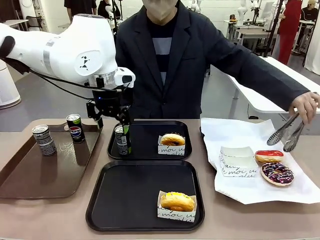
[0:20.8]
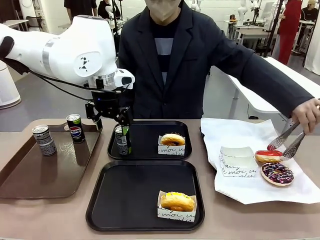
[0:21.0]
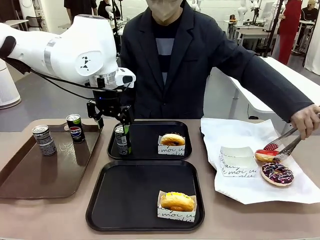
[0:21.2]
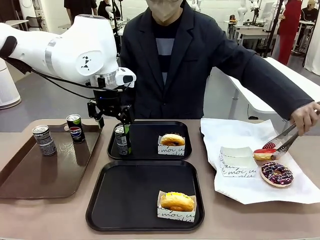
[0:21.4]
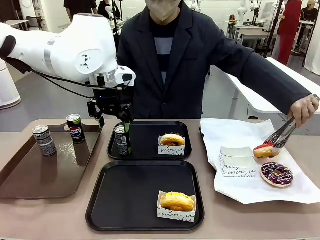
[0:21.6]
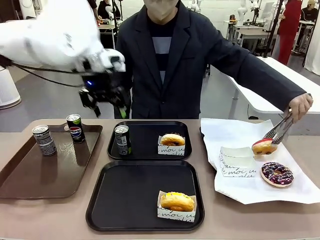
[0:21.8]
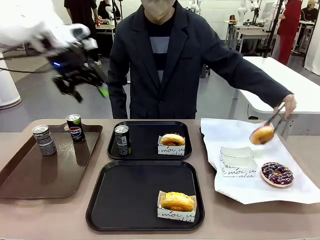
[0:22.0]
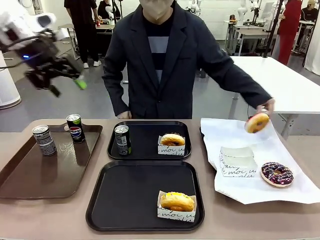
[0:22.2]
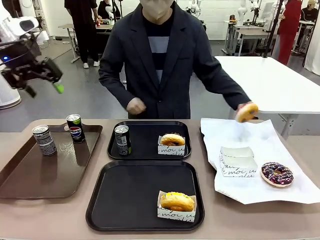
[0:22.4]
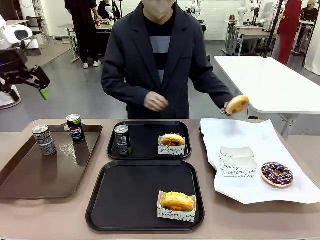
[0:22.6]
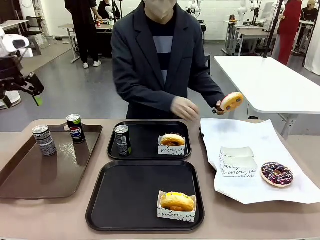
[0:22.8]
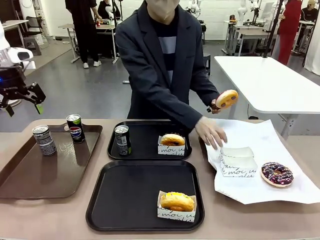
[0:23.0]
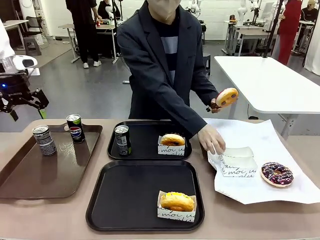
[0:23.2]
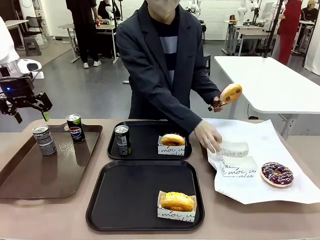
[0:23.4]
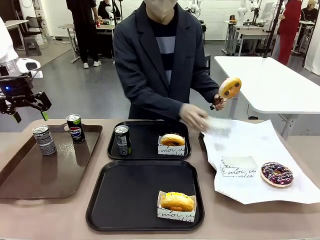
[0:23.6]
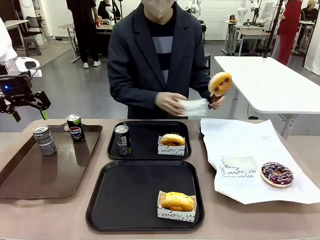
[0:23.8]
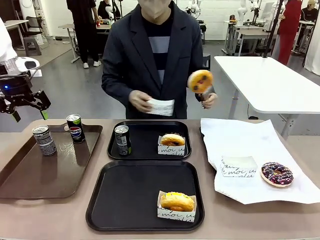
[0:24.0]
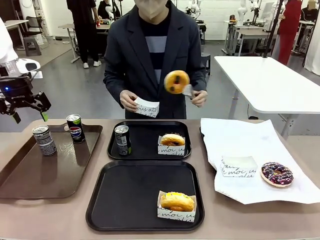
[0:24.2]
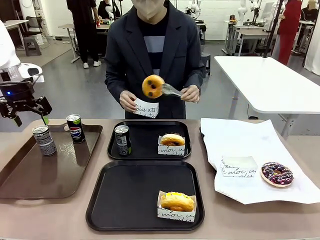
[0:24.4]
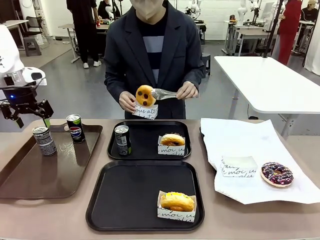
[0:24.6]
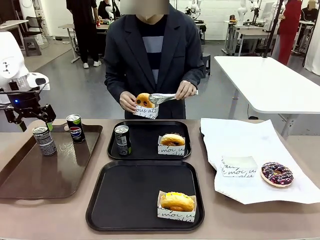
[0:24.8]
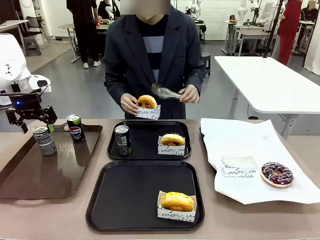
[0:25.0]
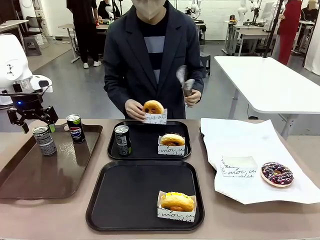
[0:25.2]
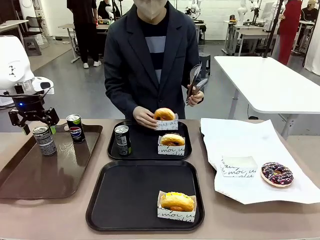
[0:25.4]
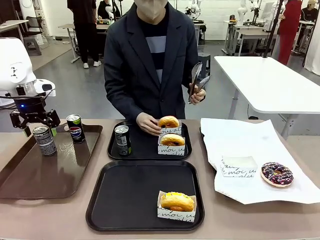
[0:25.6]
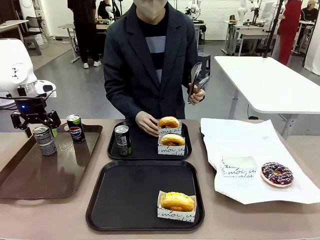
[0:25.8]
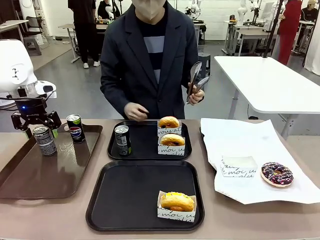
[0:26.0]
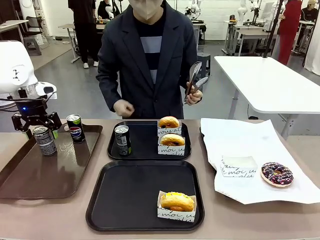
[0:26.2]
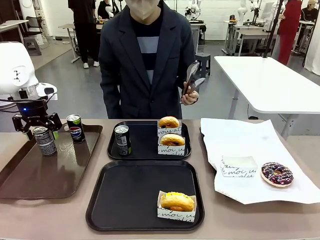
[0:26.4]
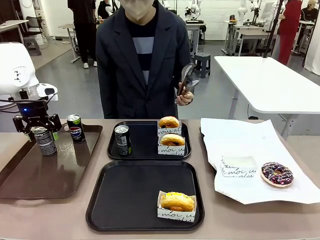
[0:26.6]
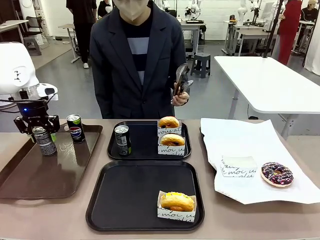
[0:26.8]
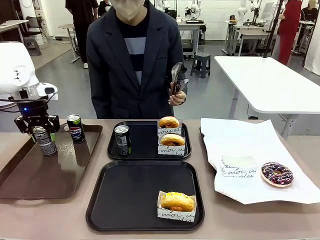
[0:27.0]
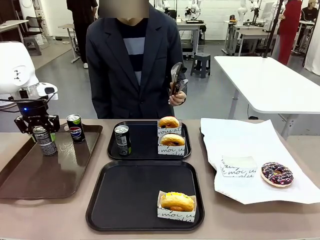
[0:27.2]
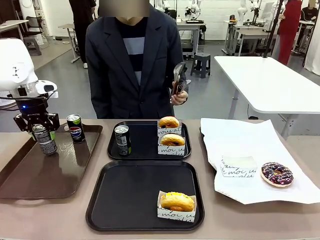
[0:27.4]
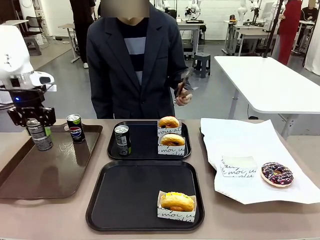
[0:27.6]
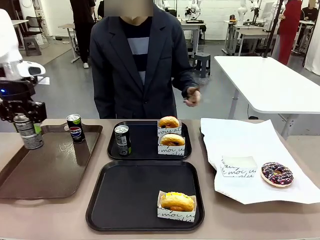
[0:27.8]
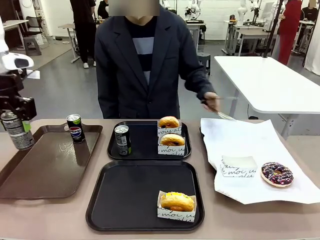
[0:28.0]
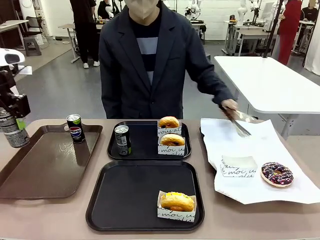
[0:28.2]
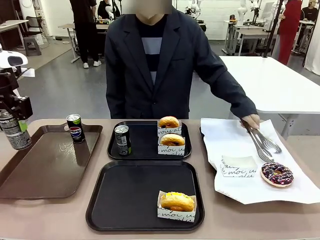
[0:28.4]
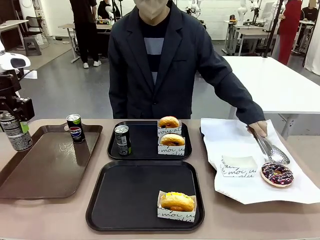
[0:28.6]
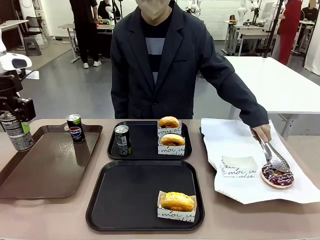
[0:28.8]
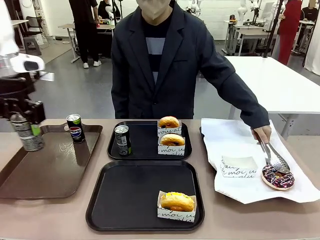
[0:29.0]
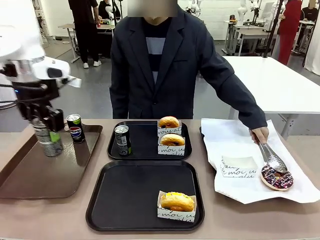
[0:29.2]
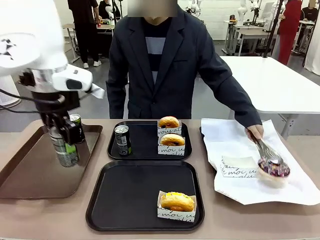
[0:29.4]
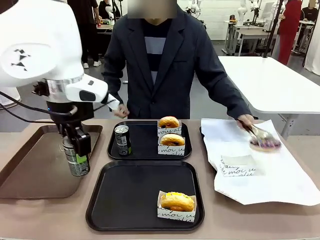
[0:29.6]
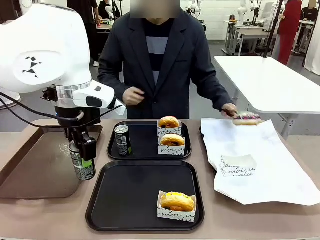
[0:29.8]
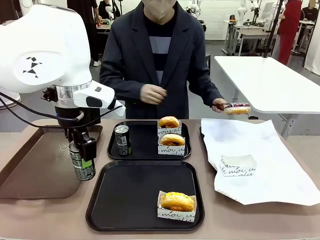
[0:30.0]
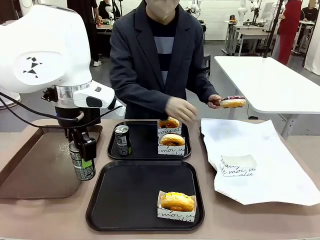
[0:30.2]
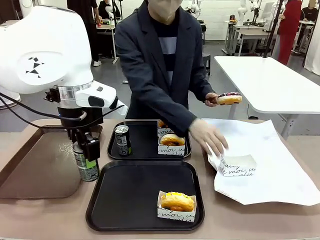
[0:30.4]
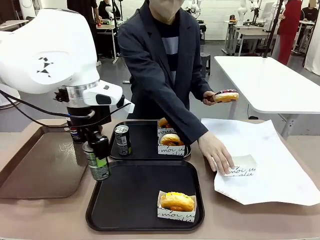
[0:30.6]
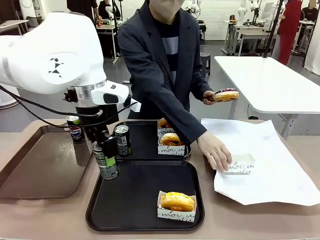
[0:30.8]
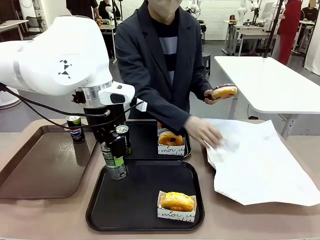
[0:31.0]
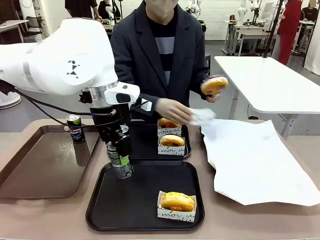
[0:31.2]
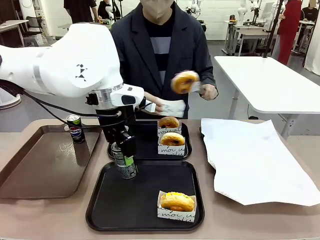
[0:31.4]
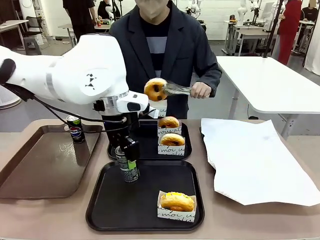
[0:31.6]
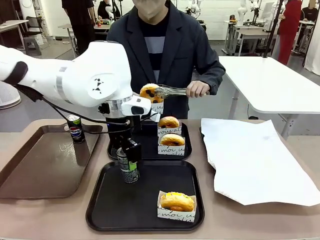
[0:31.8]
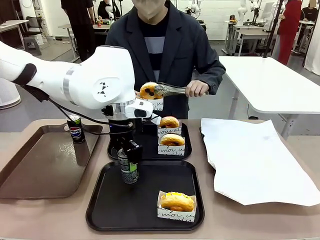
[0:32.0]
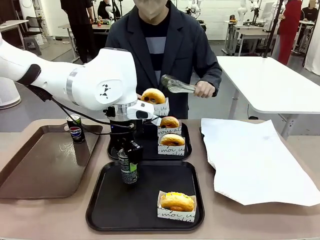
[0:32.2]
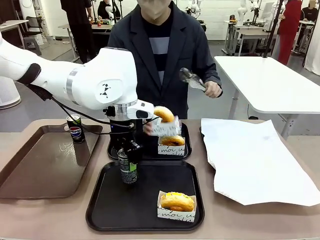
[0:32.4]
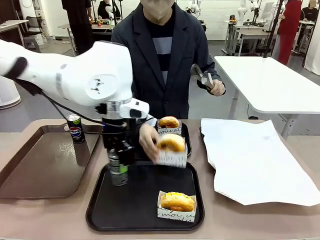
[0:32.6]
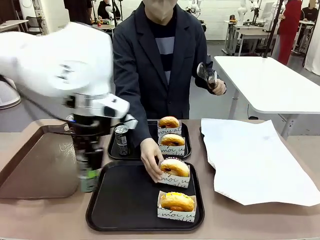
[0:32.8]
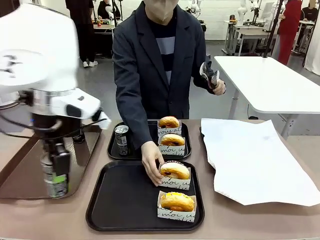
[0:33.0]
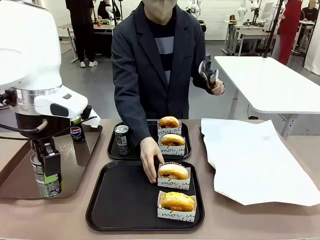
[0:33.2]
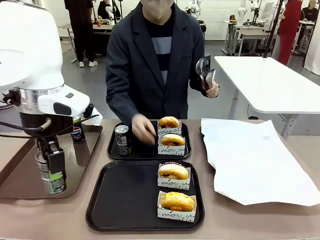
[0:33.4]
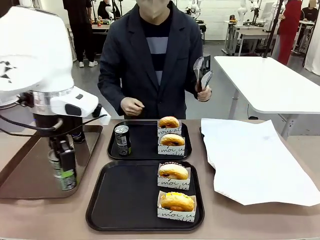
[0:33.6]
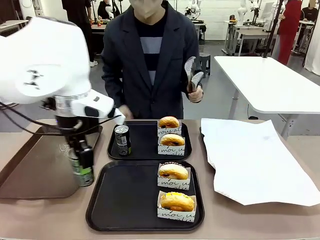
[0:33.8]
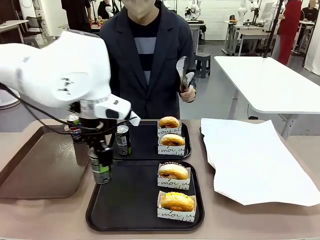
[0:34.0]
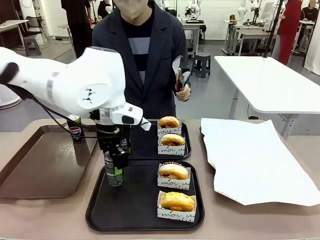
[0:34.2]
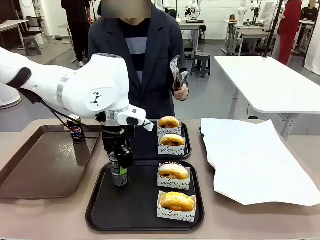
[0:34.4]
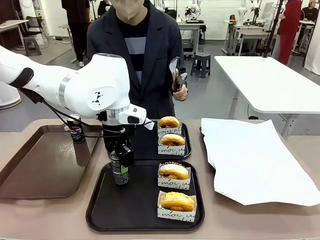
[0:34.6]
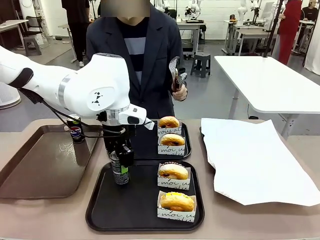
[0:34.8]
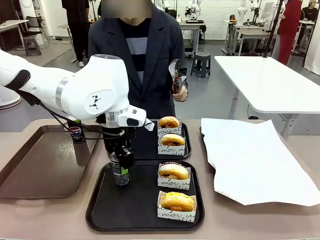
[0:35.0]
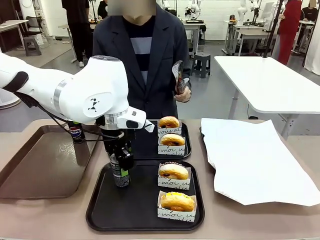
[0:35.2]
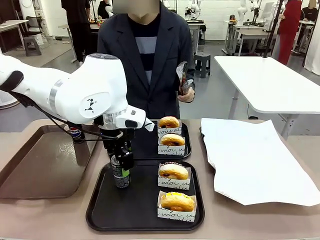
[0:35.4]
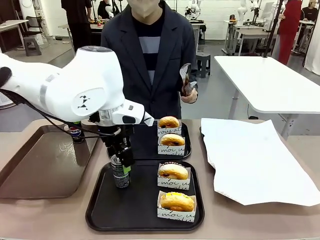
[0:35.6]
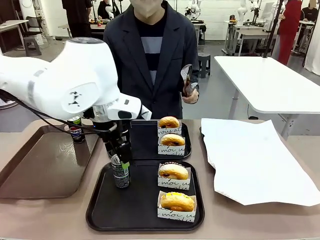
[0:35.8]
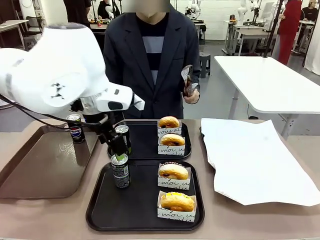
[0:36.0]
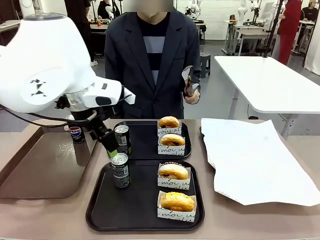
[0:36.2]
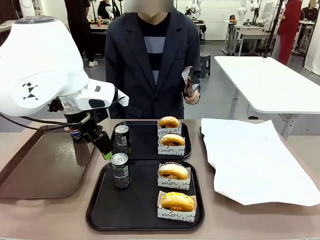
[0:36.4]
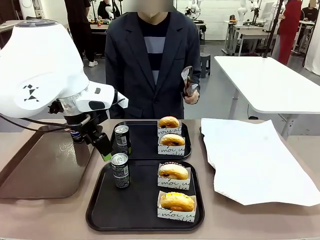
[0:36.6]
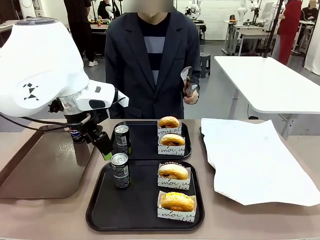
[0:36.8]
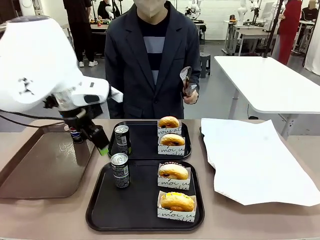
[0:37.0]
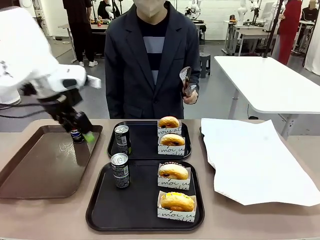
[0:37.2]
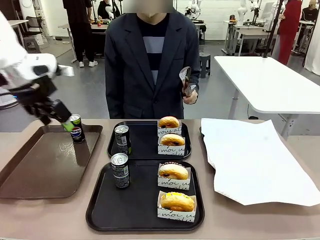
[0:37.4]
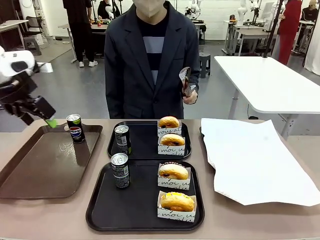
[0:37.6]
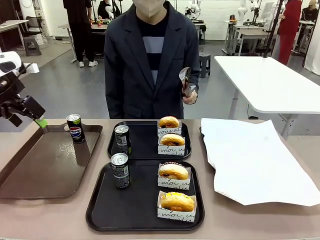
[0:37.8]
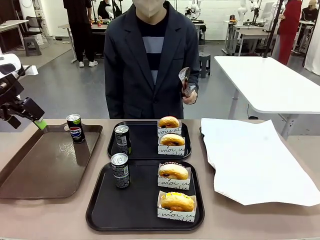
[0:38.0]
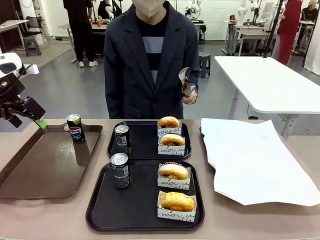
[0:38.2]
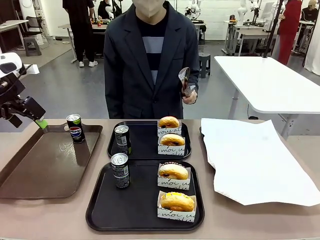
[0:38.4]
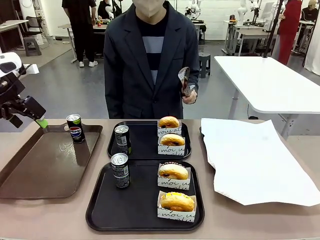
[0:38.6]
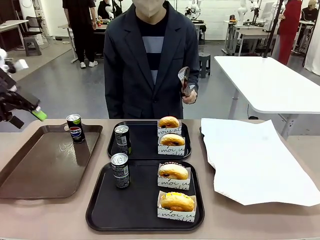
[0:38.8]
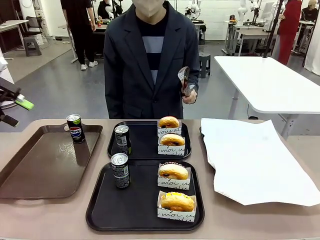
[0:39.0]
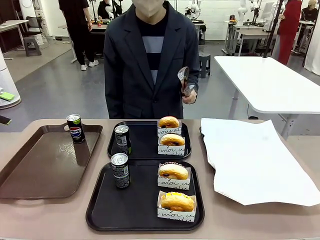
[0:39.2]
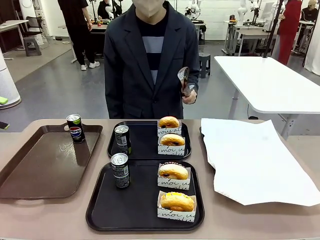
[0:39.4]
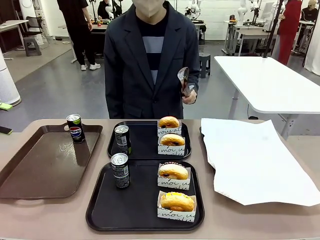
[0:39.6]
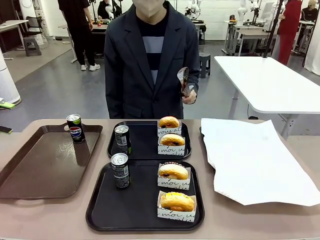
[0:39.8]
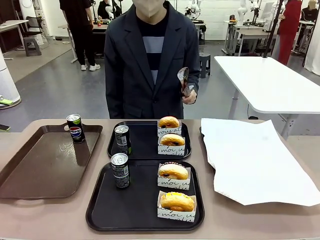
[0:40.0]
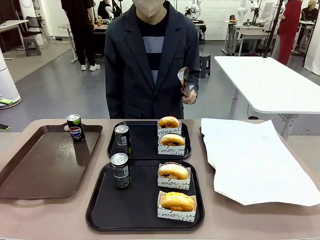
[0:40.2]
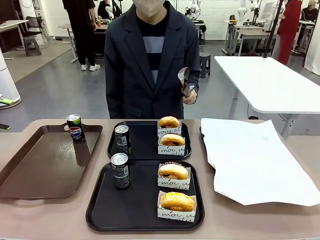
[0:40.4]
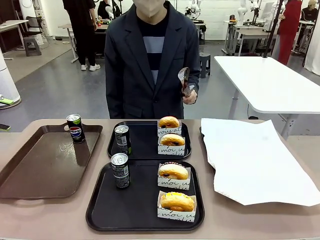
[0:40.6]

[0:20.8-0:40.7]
Task: Set up donuts and drinks on trays.
Robot: Pick up one Pepsi coke from the Handle tray and place it on the Flat Tray without a Pepsi coke.
